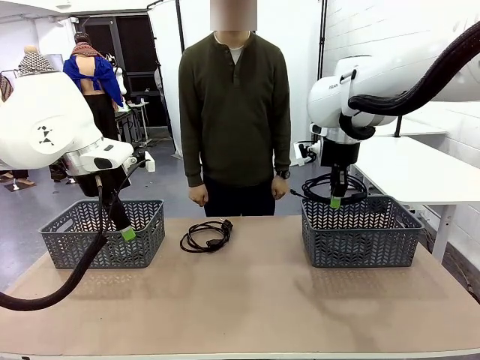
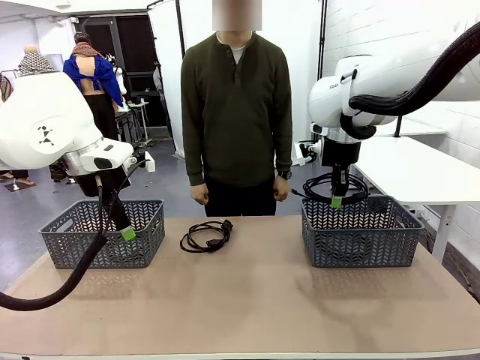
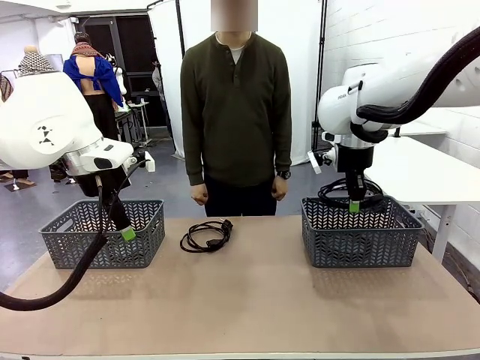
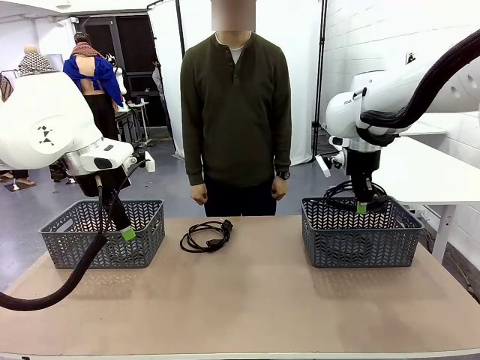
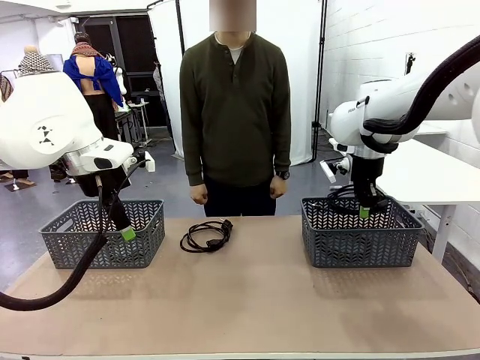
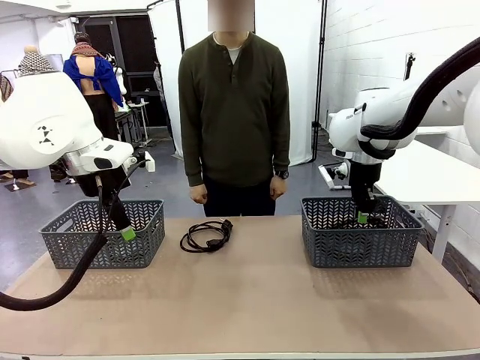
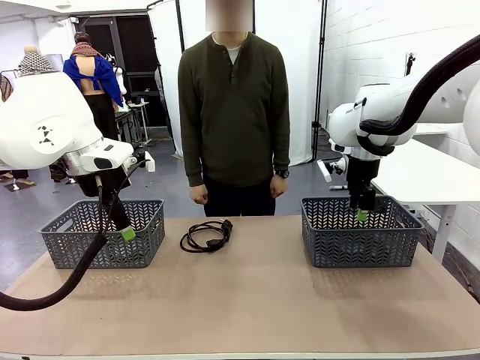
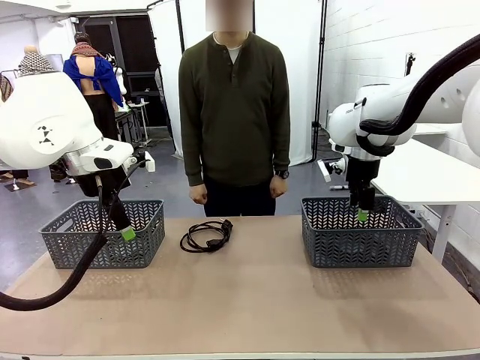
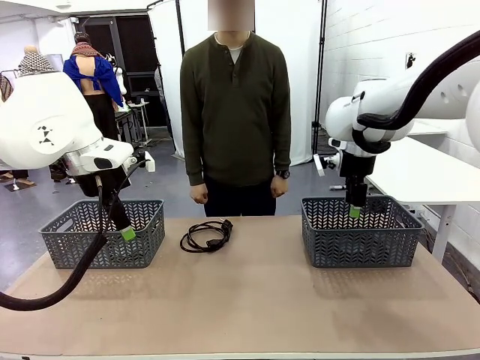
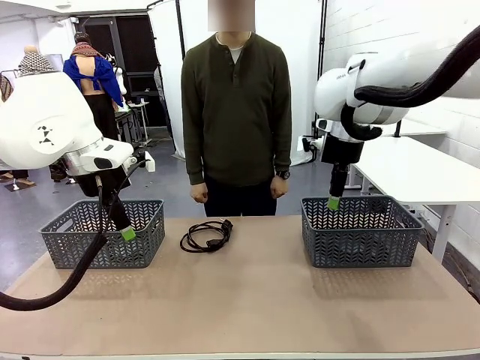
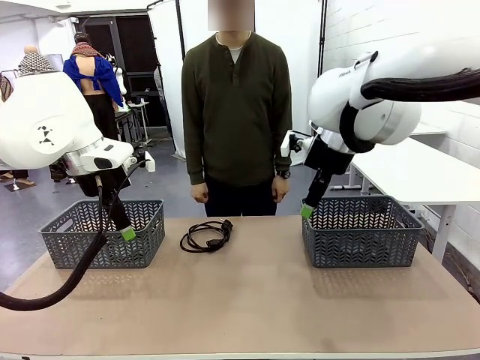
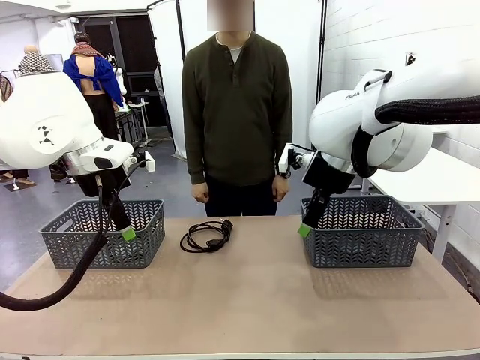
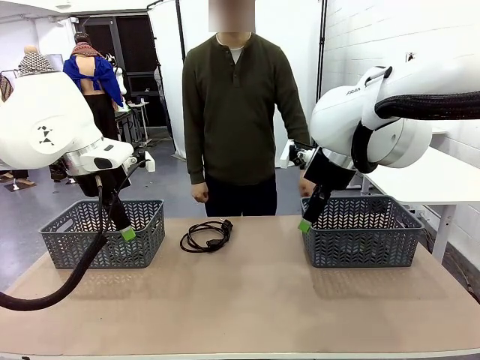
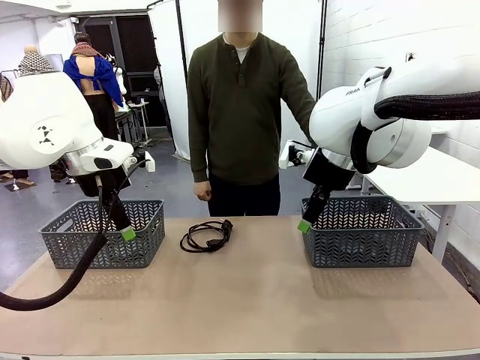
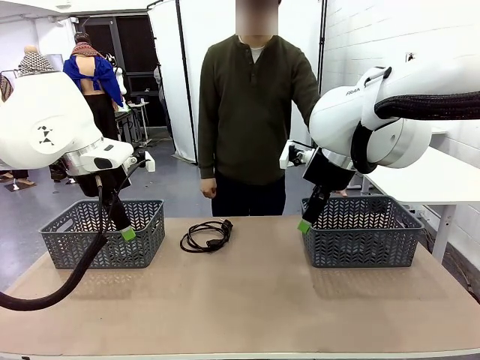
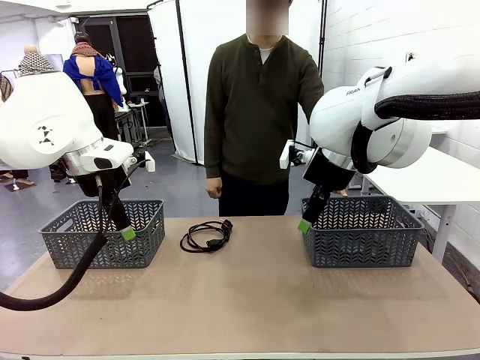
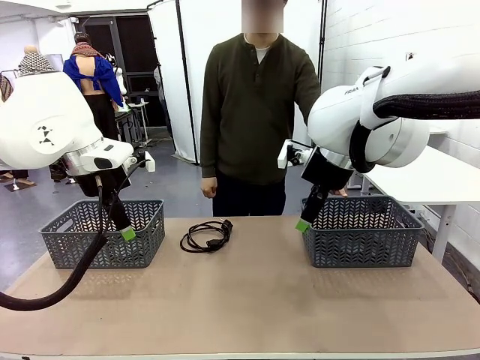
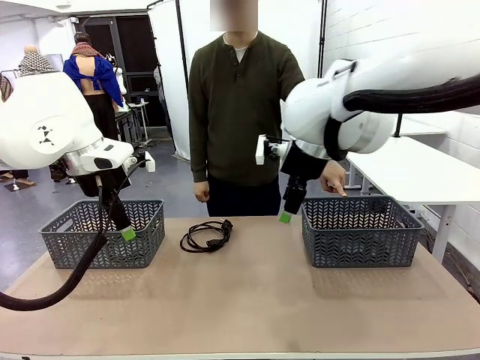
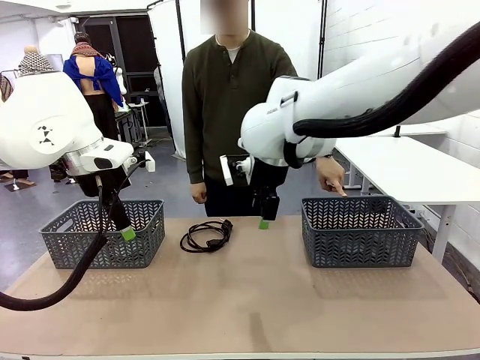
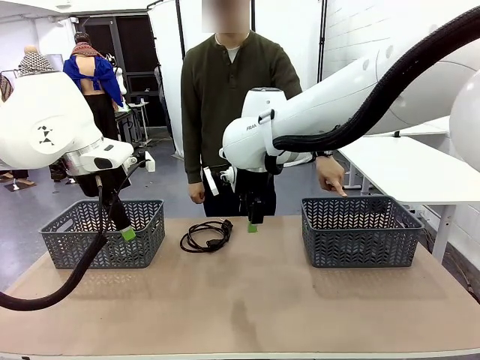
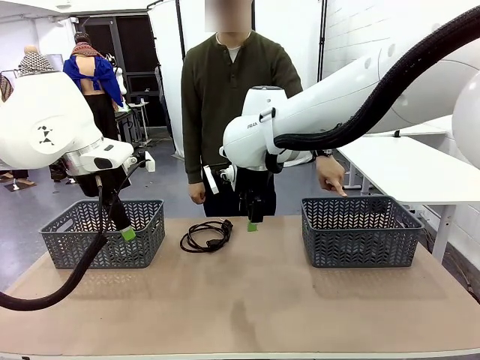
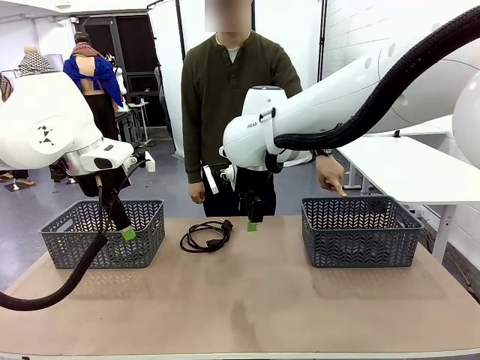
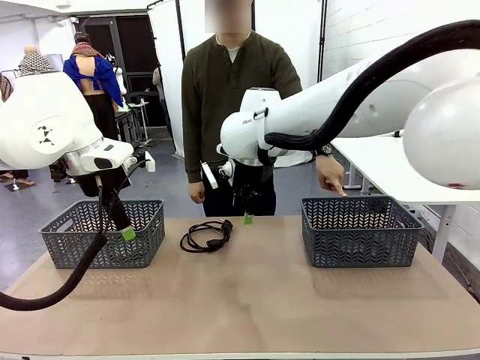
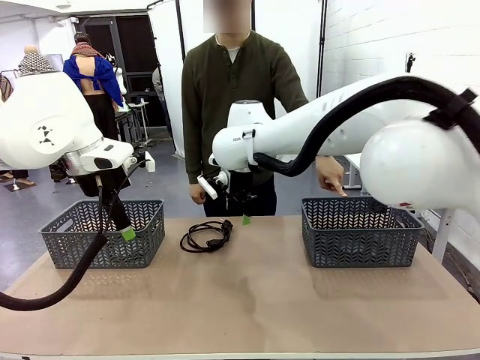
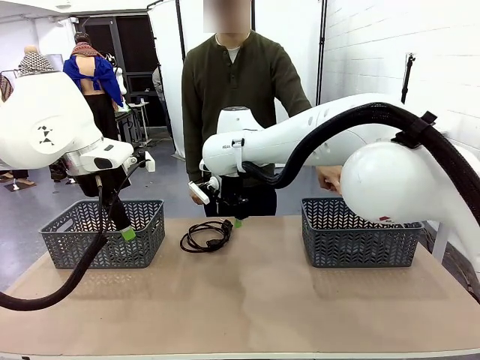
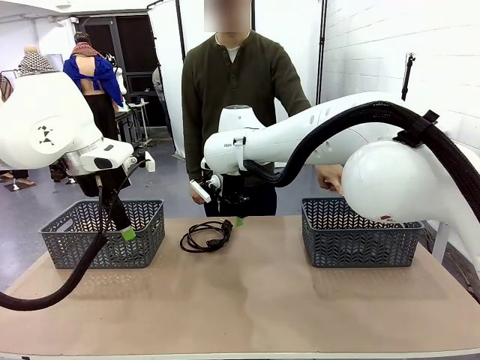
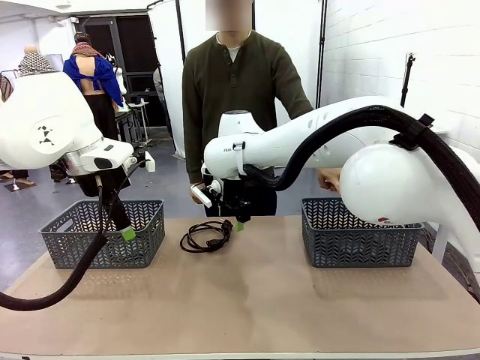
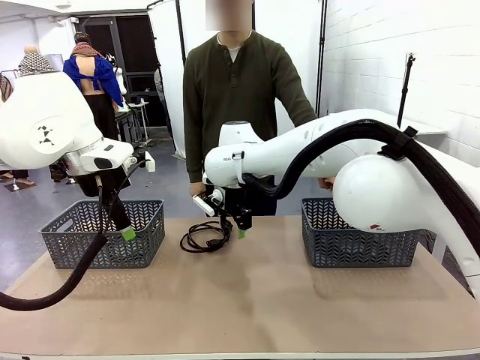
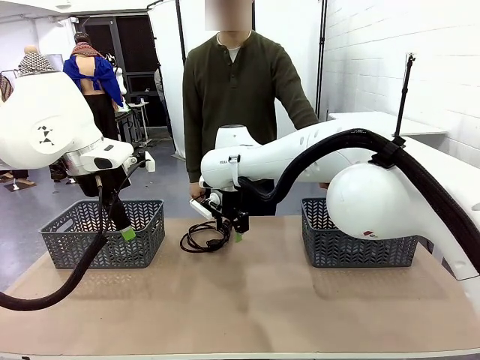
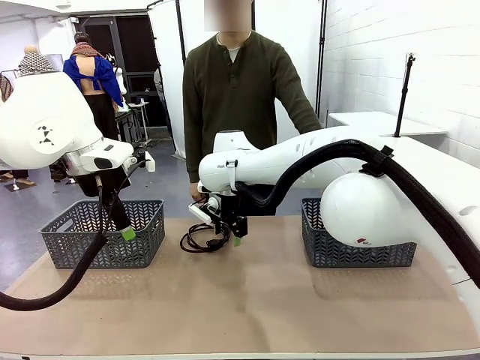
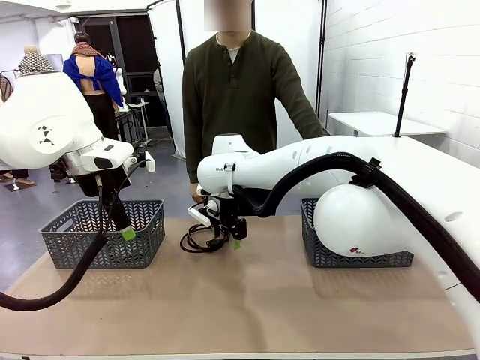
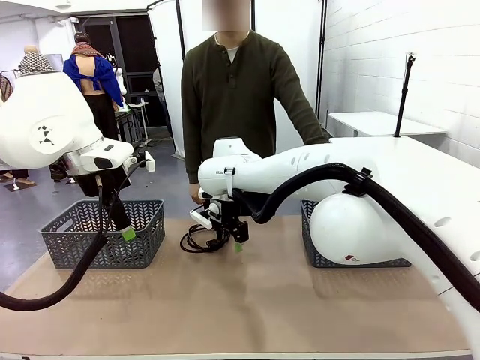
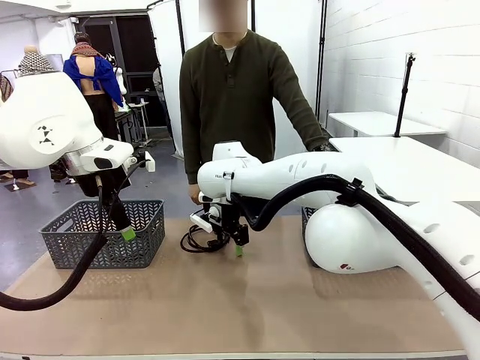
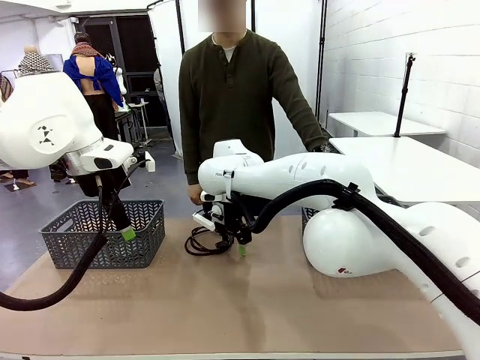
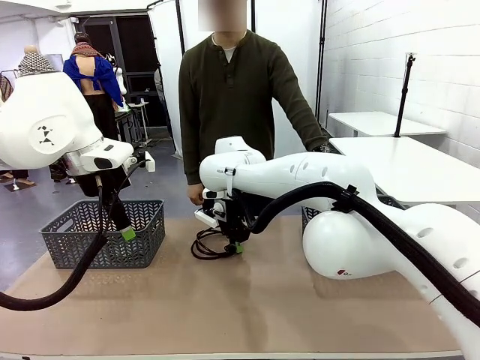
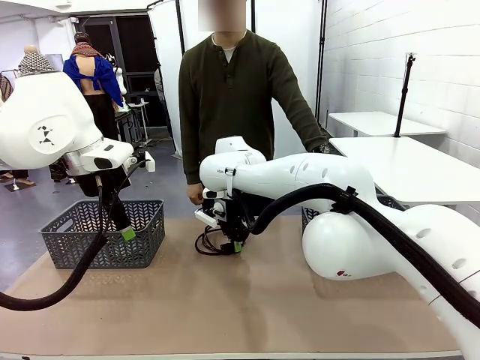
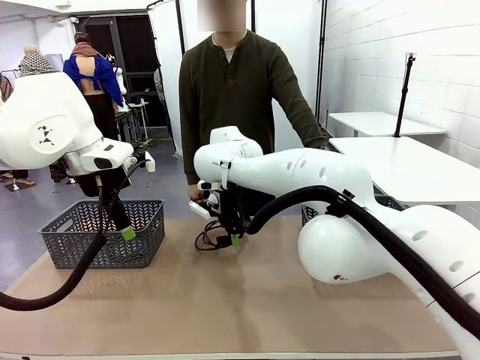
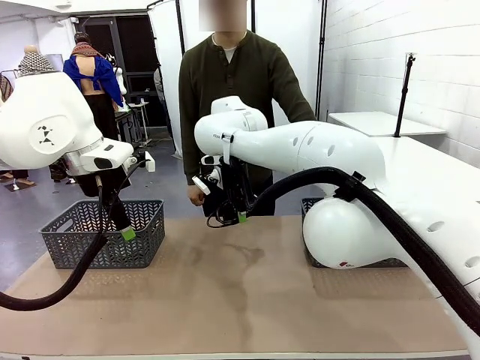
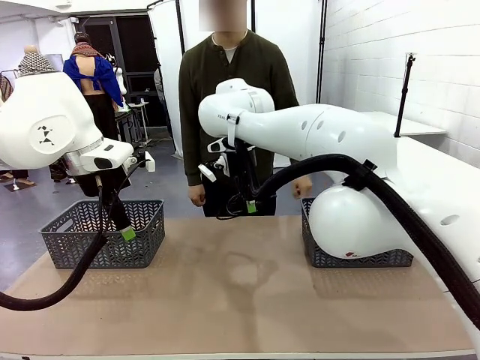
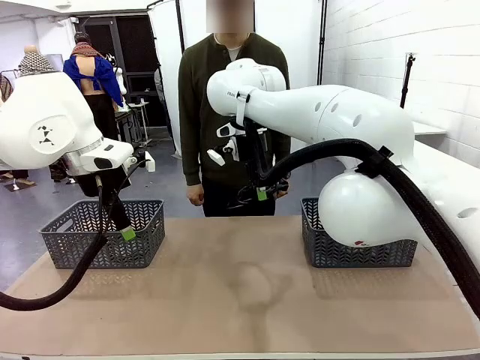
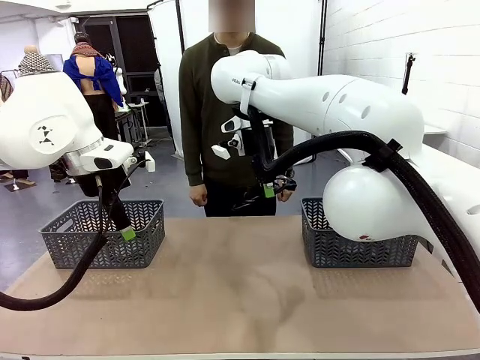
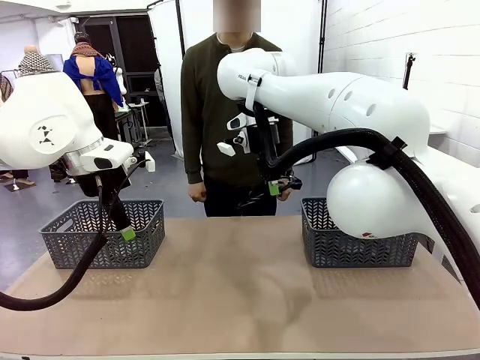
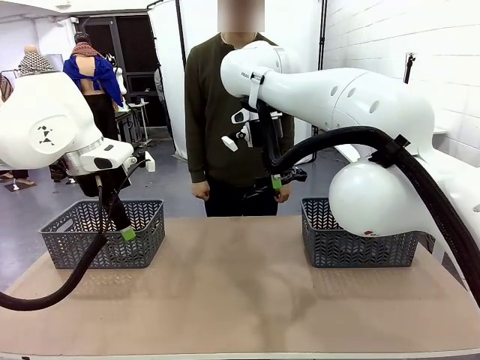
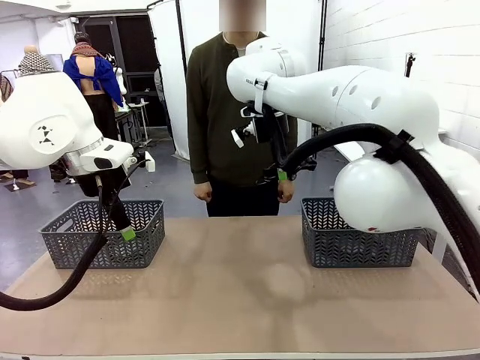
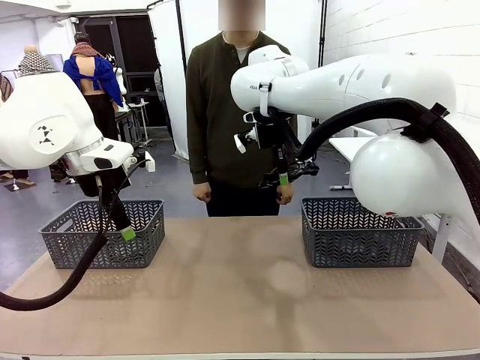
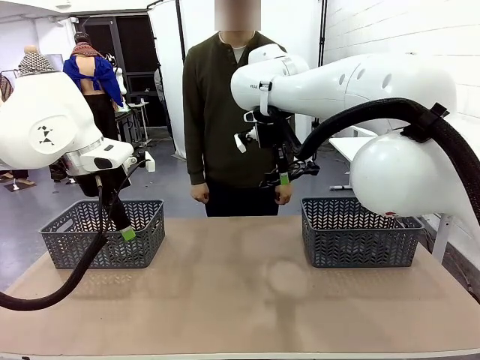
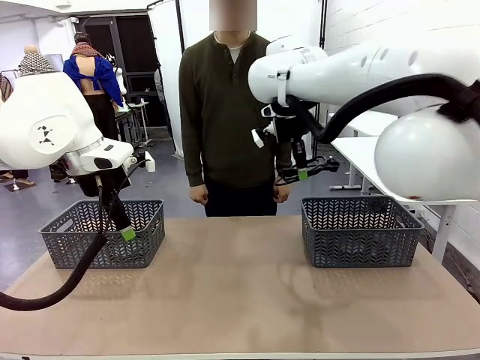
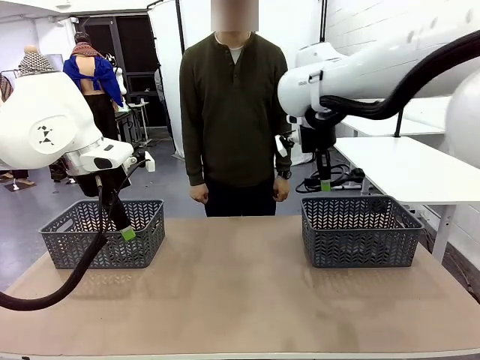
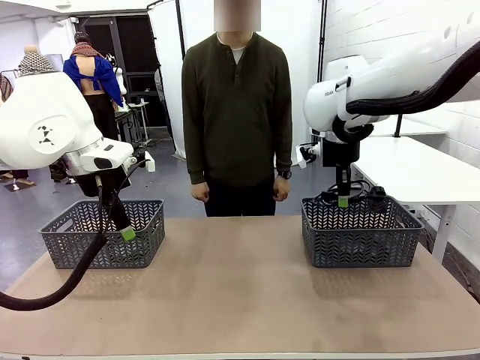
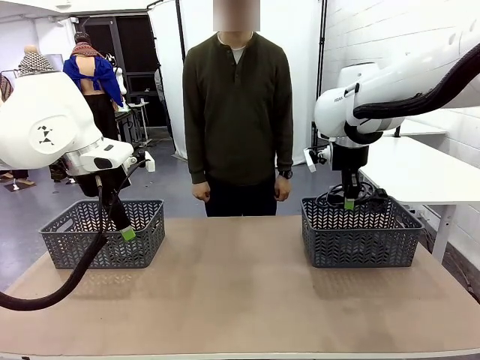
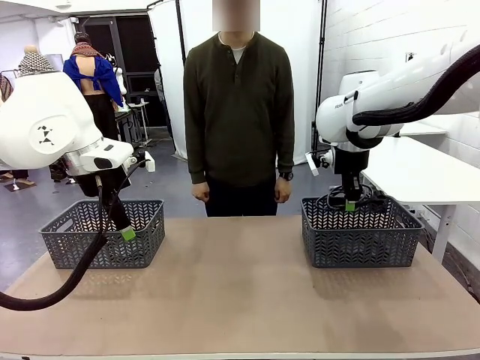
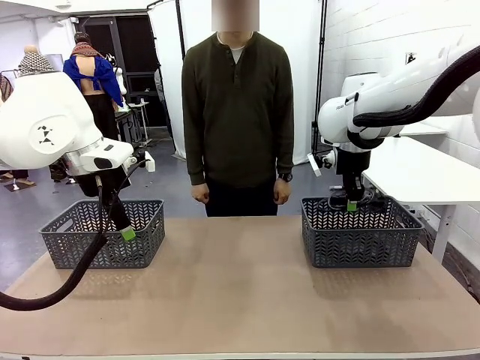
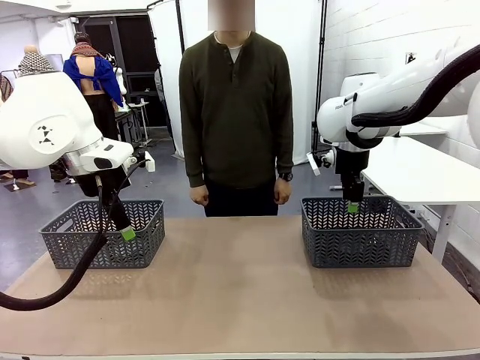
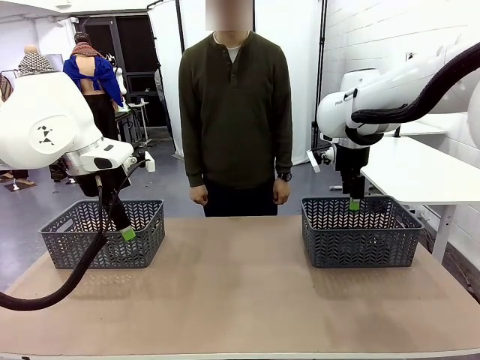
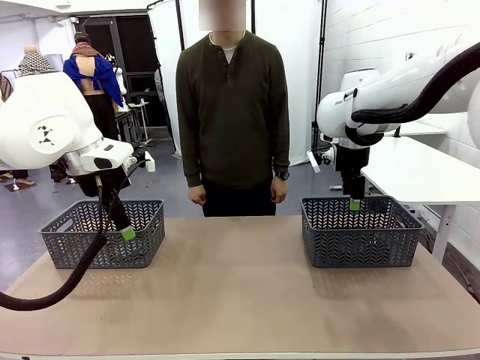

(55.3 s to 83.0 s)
Task: Organize the cables according to human instructions.
Robot: Pick up a bundle of cables and place it in the basket indicated by the human.
